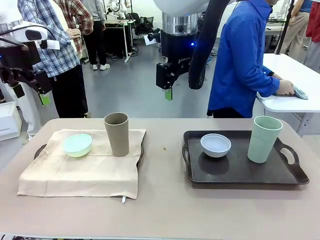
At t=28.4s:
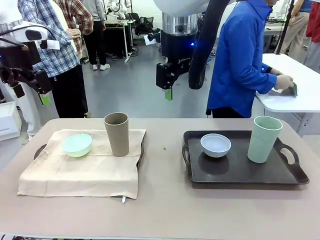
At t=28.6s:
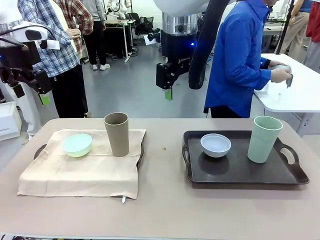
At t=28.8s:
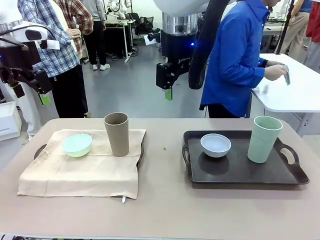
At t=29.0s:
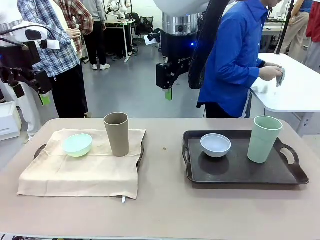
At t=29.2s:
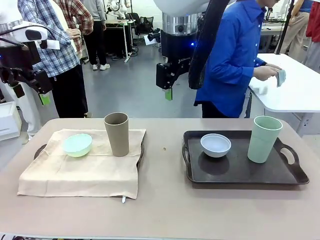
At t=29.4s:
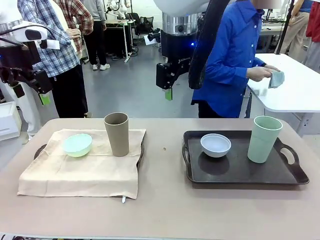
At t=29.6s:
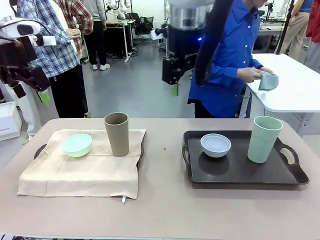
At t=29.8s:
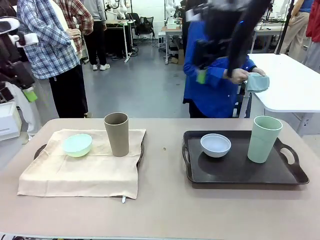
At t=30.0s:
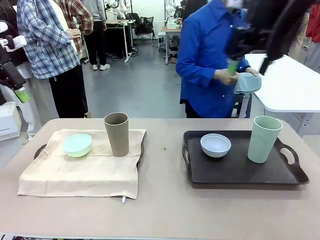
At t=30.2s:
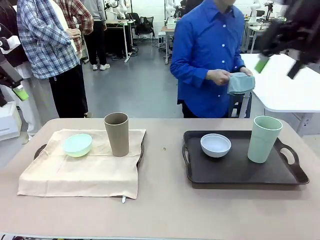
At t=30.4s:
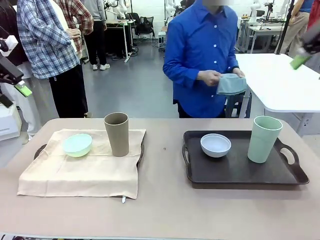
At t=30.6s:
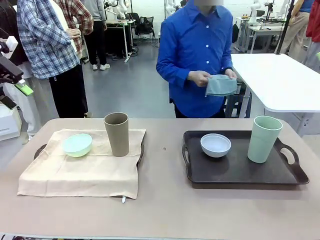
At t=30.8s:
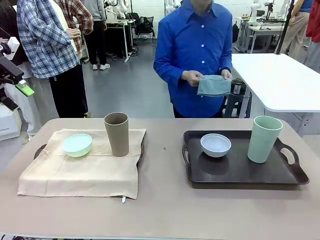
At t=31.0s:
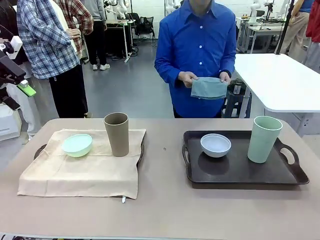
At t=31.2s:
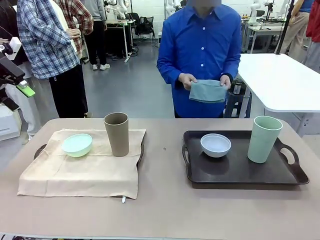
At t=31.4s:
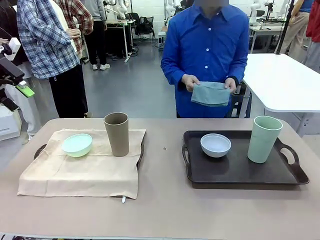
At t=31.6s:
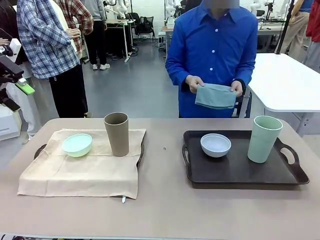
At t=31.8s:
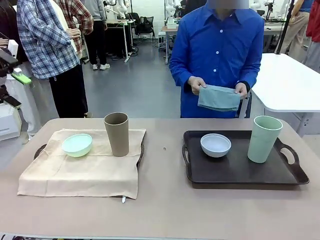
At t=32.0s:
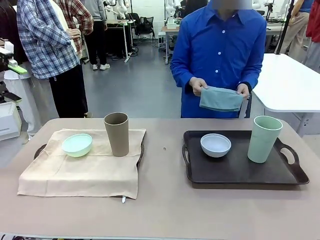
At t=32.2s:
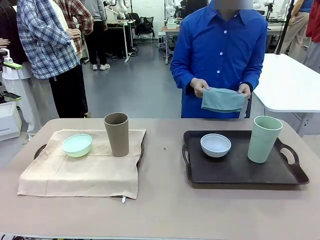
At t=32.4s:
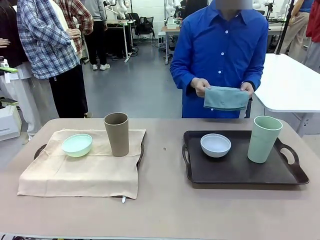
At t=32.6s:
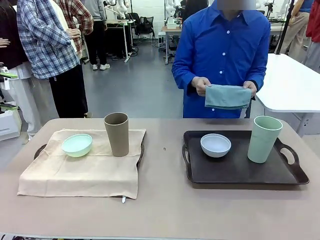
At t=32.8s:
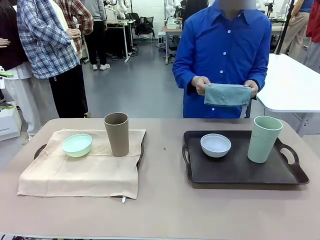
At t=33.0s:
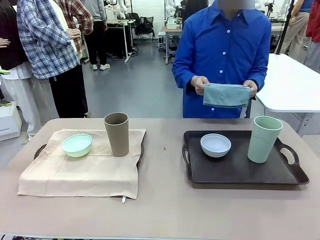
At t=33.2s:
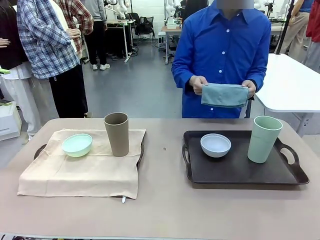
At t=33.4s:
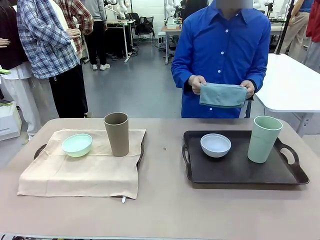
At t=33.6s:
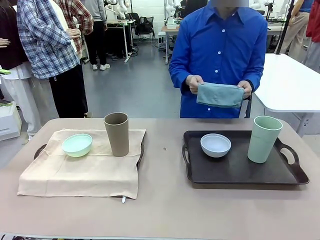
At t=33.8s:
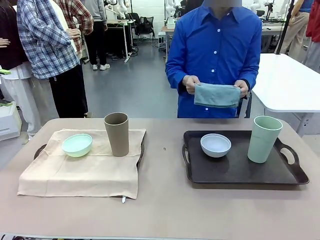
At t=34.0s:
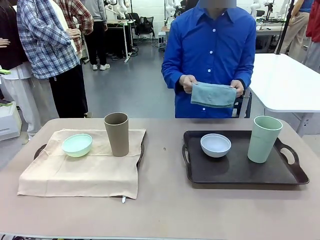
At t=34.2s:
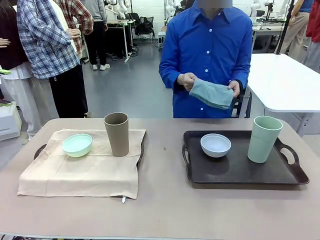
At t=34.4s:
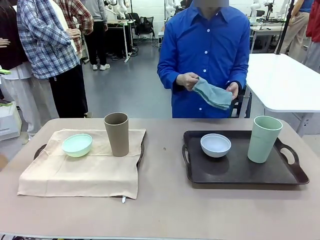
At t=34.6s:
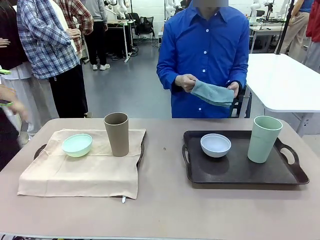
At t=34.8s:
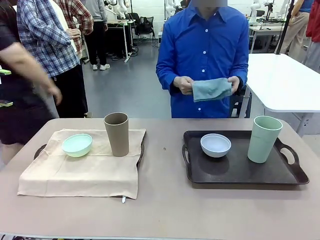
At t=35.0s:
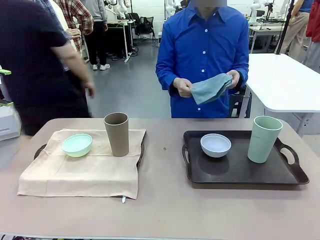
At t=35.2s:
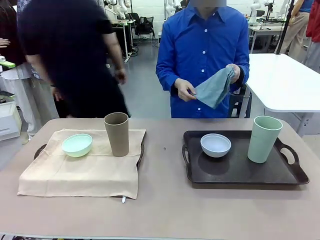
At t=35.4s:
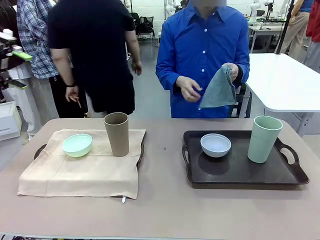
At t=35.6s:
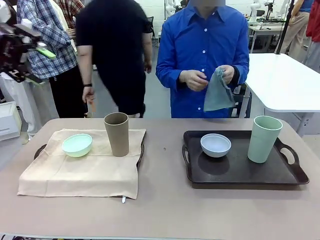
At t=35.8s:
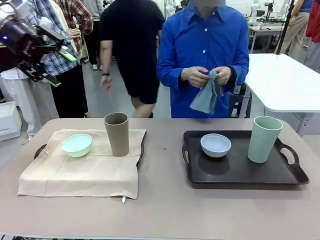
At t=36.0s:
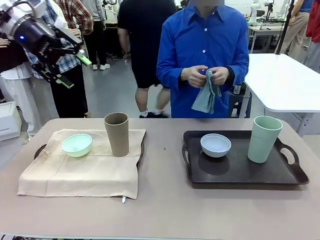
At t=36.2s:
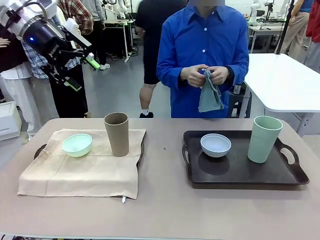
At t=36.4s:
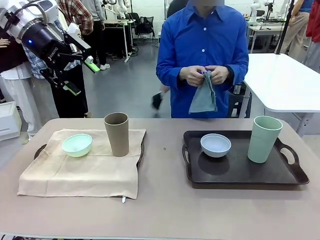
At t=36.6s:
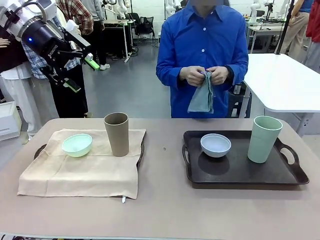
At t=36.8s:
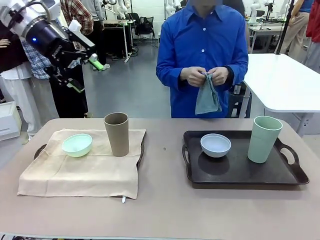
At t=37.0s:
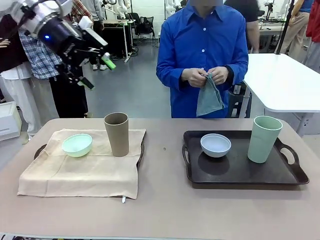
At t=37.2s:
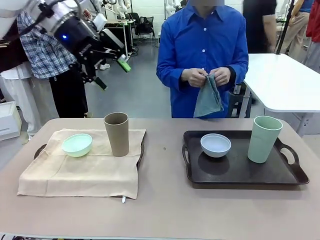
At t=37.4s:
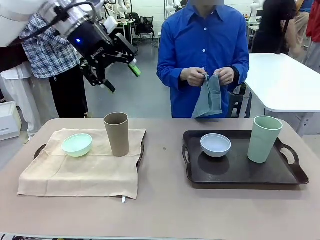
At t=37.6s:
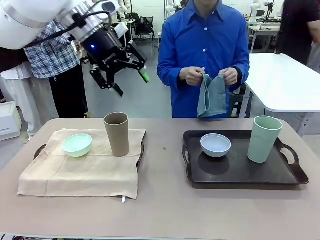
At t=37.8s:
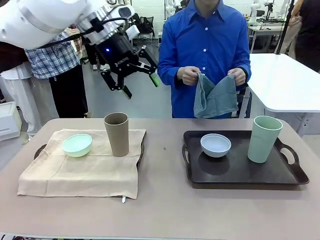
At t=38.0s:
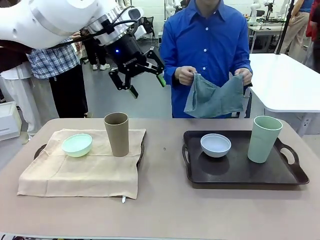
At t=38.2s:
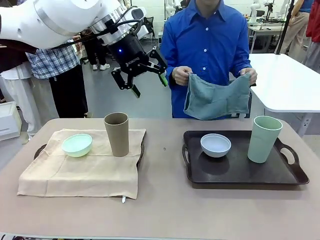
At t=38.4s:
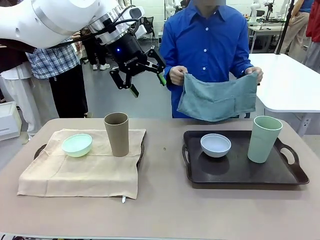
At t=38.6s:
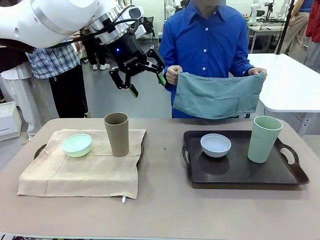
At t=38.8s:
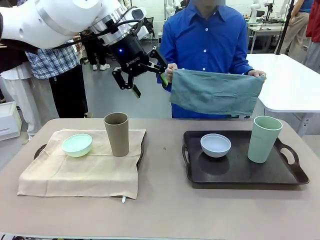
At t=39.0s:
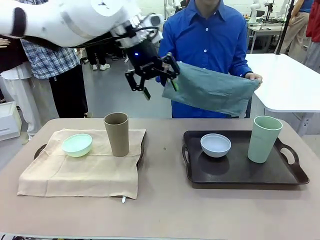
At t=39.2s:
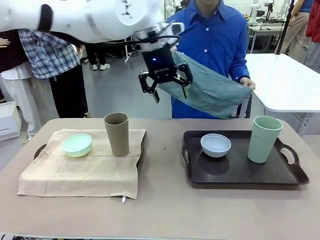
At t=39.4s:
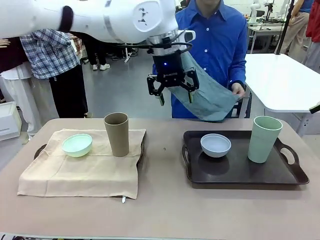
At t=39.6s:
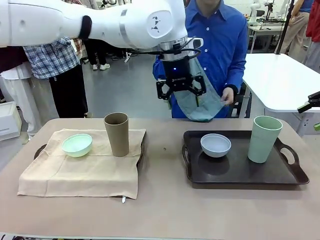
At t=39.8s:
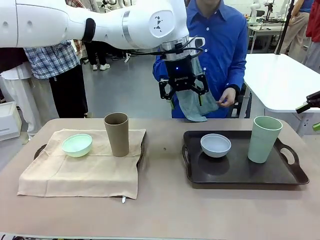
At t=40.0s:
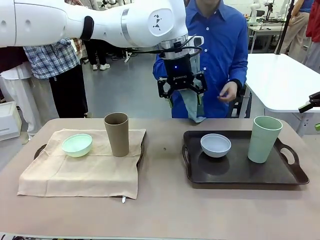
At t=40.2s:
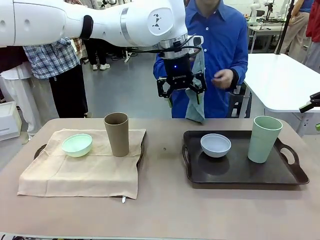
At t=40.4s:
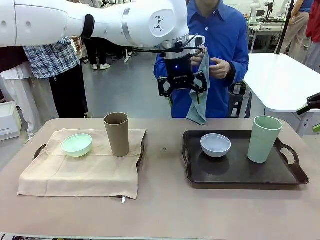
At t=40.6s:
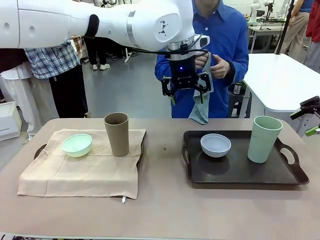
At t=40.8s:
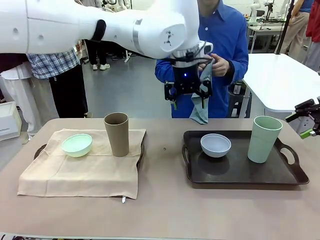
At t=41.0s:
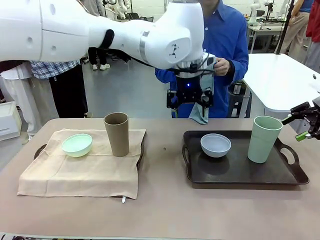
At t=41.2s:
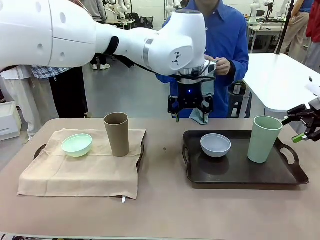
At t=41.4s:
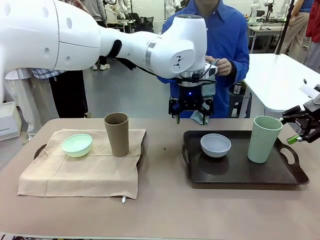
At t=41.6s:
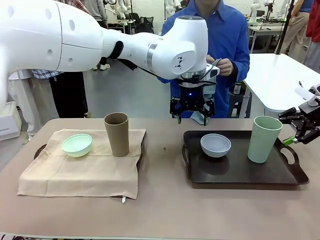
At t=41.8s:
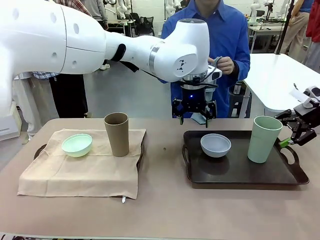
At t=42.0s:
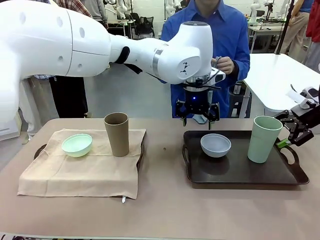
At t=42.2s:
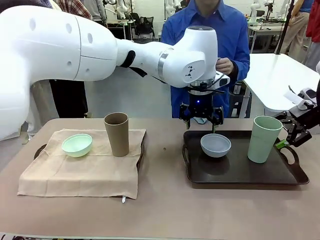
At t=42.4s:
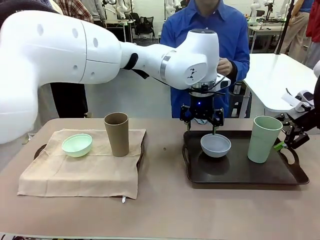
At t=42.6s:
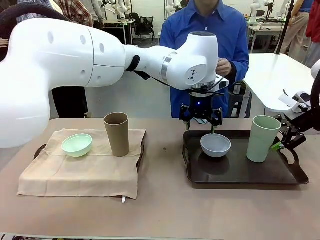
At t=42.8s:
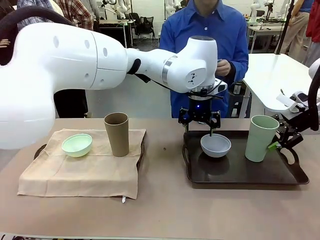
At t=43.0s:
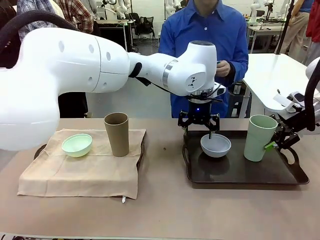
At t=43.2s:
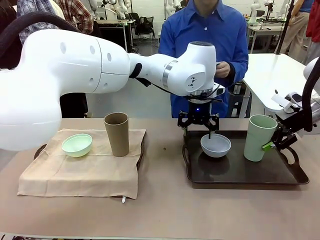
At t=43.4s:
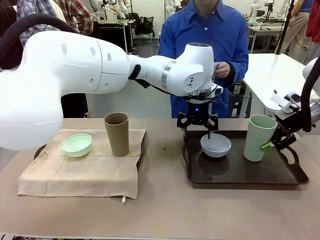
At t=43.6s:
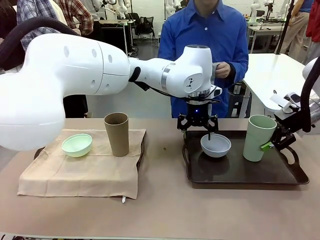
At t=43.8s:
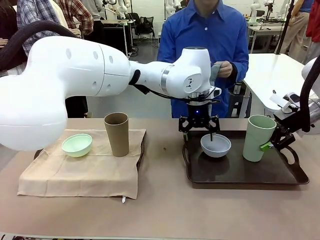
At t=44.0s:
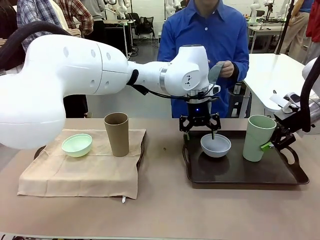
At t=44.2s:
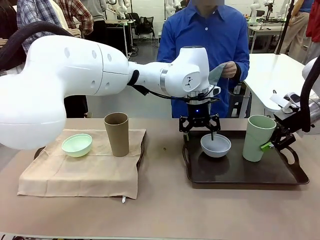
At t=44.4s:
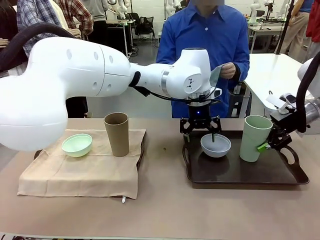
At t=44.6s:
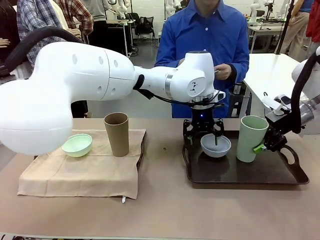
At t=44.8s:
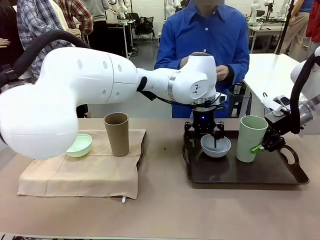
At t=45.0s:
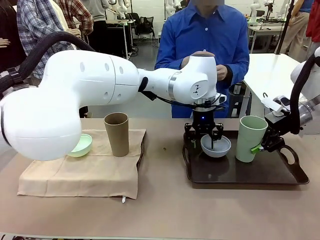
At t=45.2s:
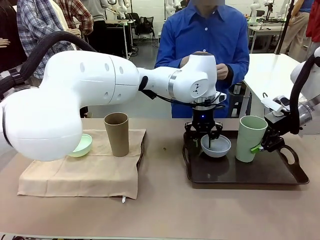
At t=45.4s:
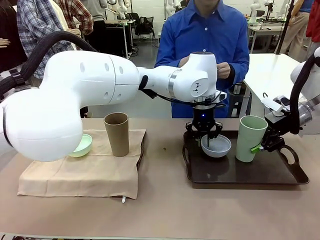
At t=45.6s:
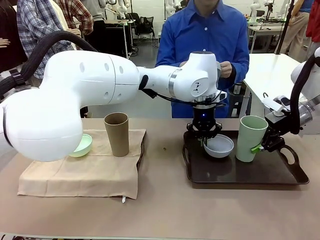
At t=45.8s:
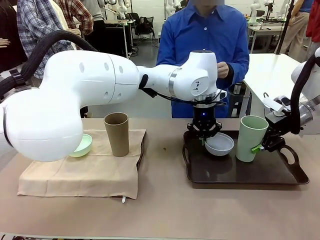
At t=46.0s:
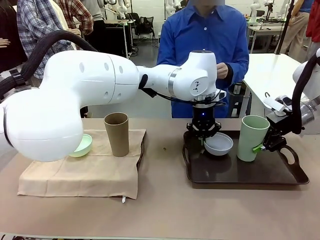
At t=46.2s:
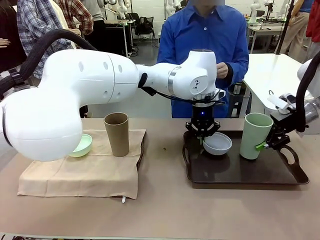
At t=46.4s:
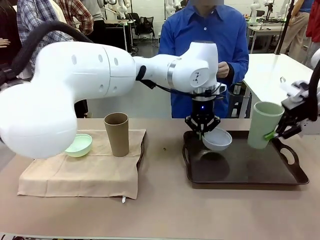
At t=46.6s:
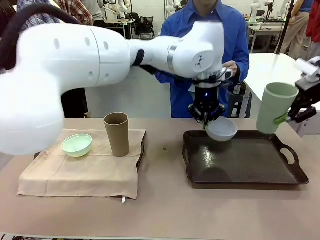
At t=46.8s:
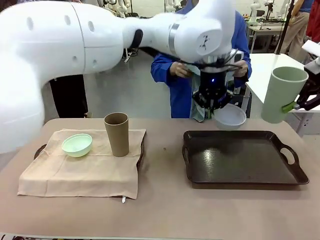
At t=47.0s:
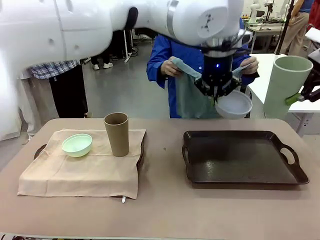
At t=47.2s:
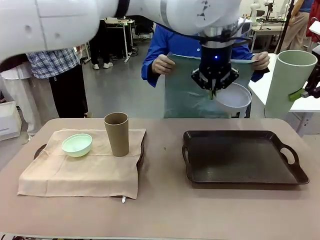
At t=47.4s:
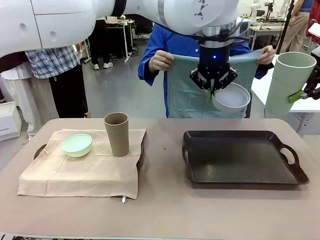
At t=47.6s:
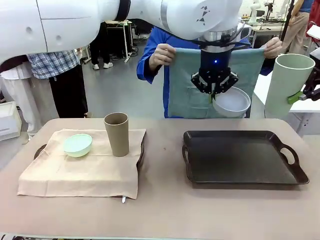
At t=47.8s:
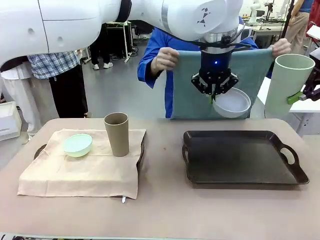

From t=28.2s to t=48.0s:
Robot: Pick up the Picnic Bowl and Reusable plastic cup from the Handle tray in front of the human's position and hold them in the air.
